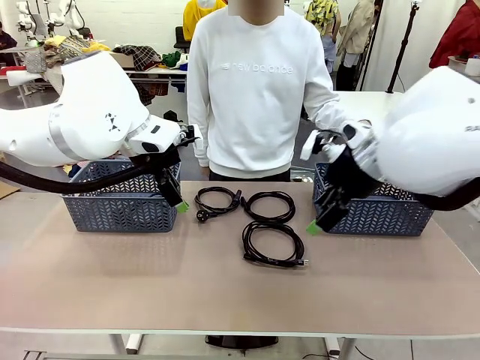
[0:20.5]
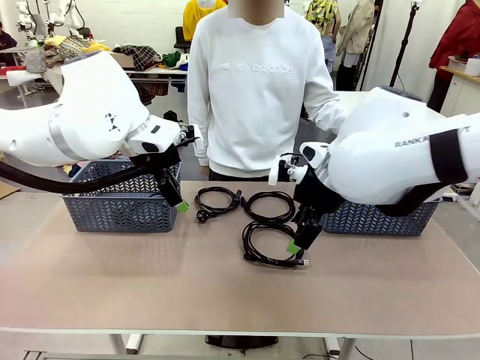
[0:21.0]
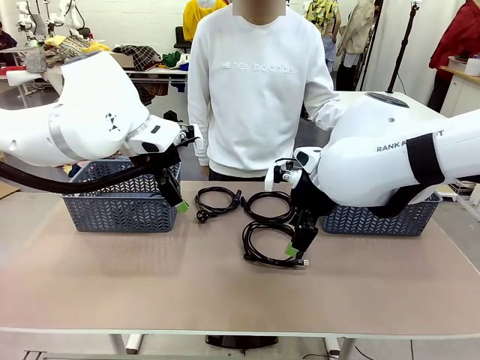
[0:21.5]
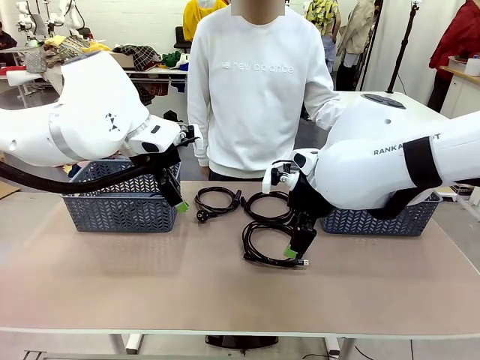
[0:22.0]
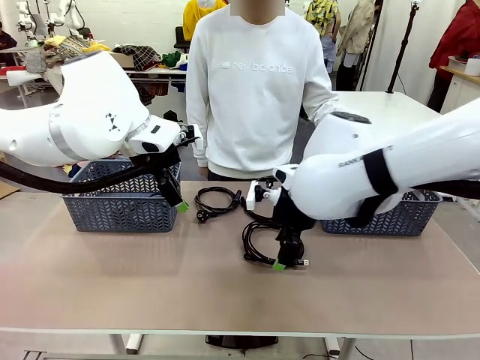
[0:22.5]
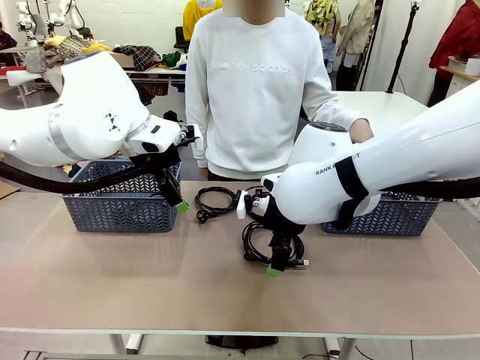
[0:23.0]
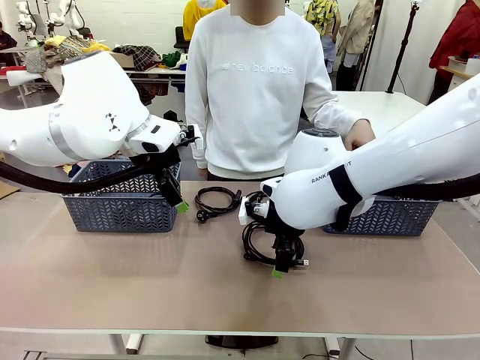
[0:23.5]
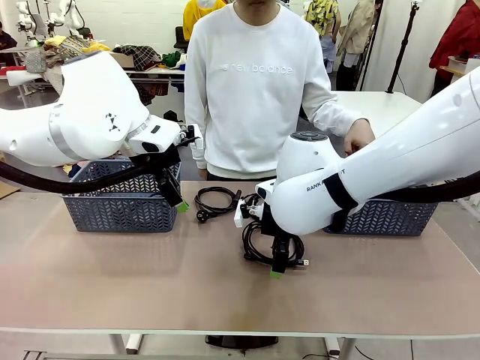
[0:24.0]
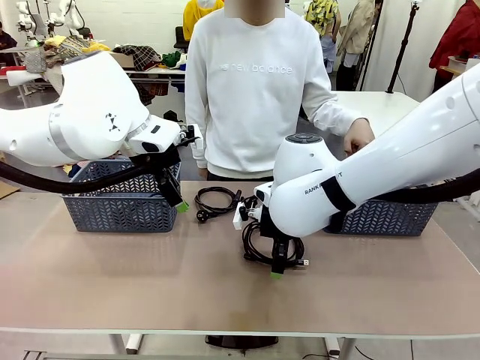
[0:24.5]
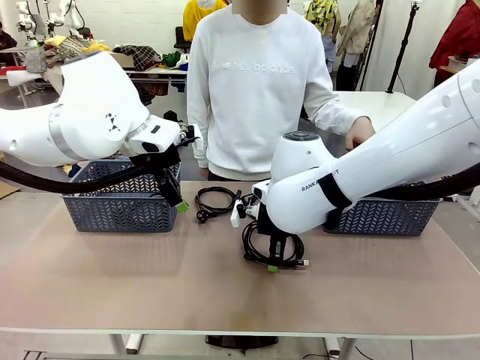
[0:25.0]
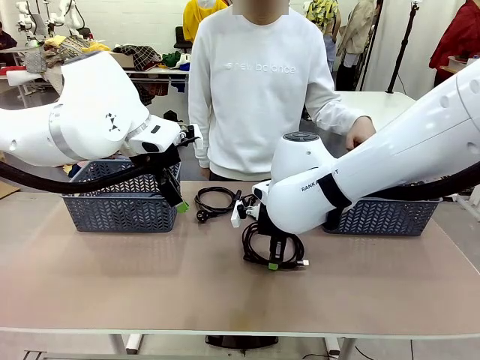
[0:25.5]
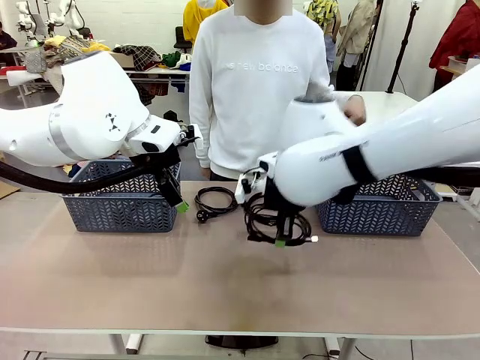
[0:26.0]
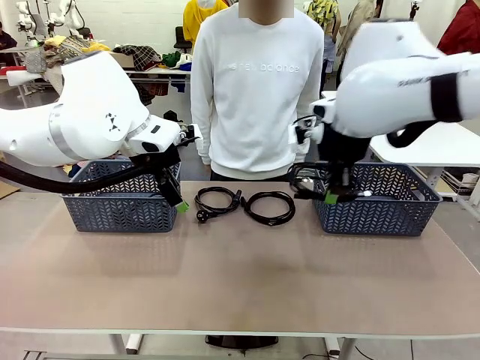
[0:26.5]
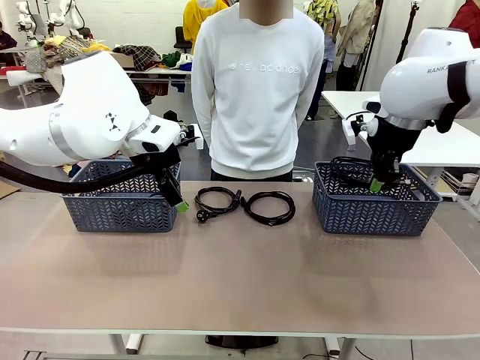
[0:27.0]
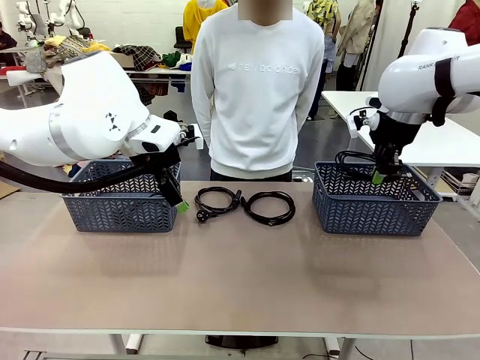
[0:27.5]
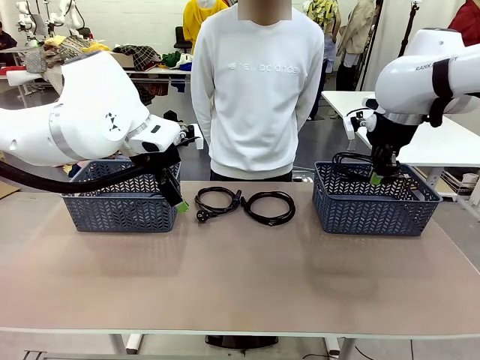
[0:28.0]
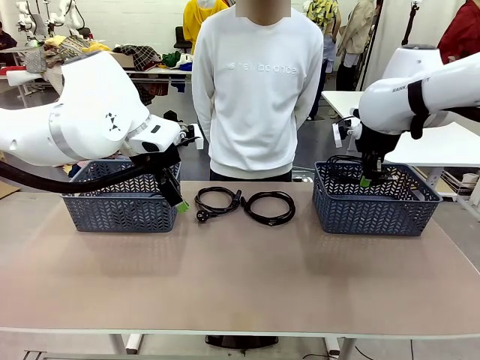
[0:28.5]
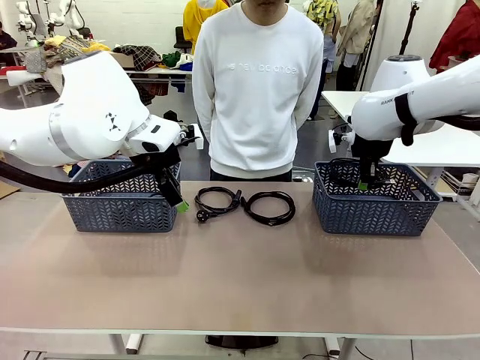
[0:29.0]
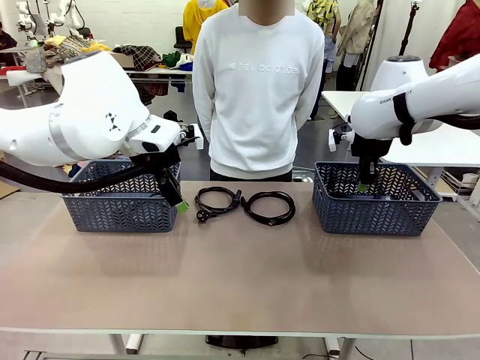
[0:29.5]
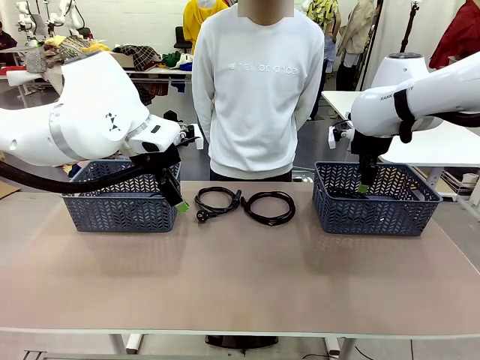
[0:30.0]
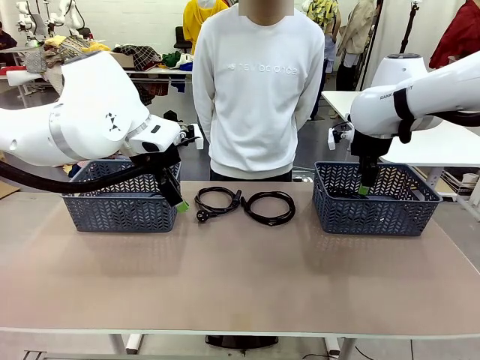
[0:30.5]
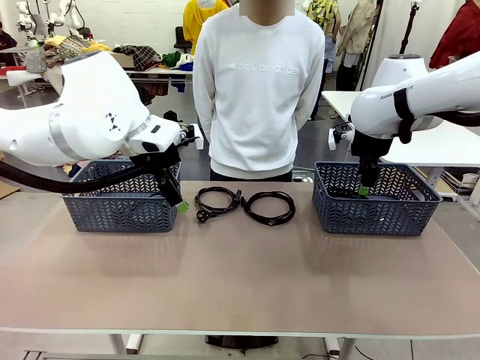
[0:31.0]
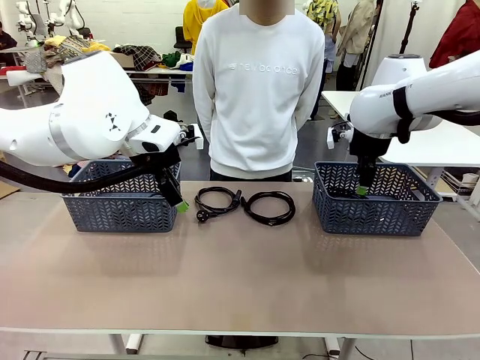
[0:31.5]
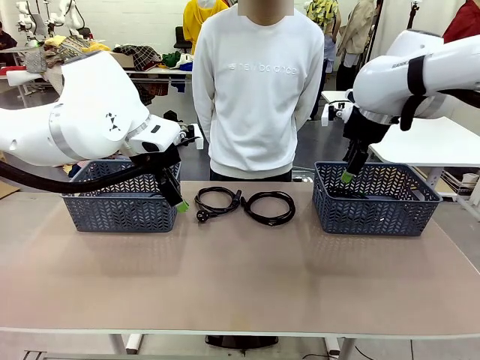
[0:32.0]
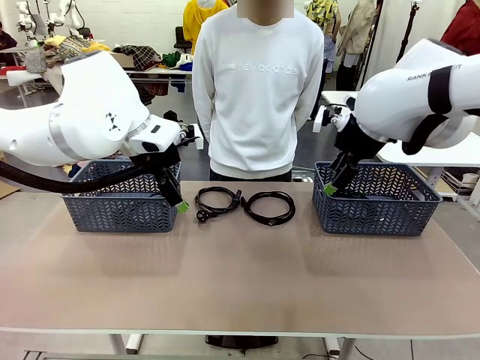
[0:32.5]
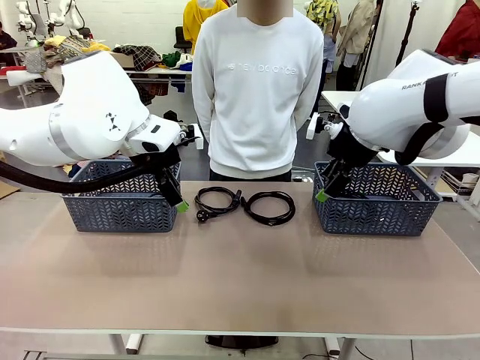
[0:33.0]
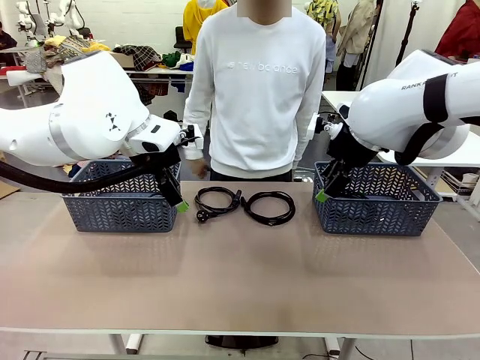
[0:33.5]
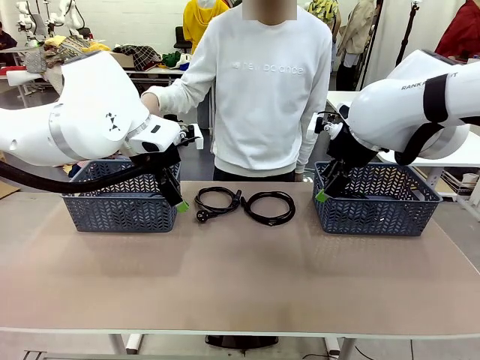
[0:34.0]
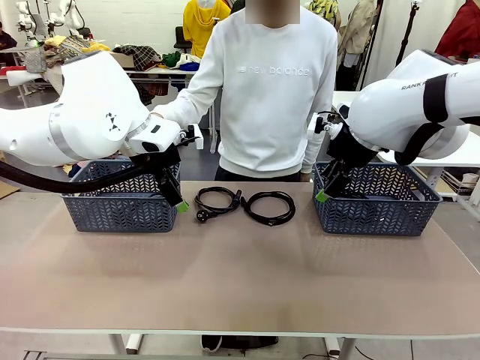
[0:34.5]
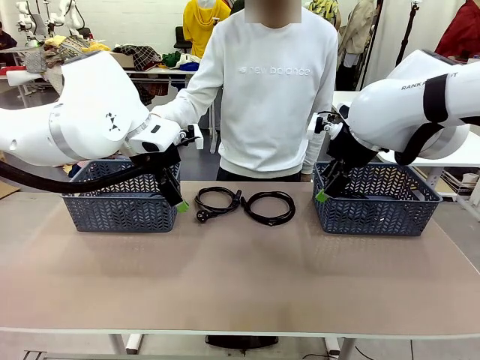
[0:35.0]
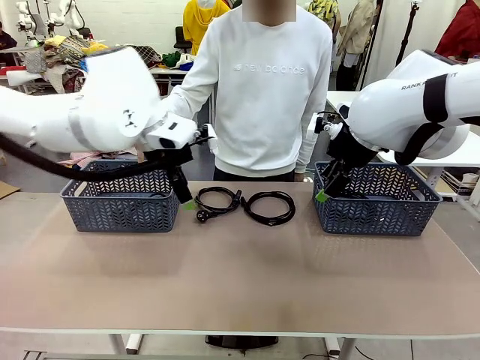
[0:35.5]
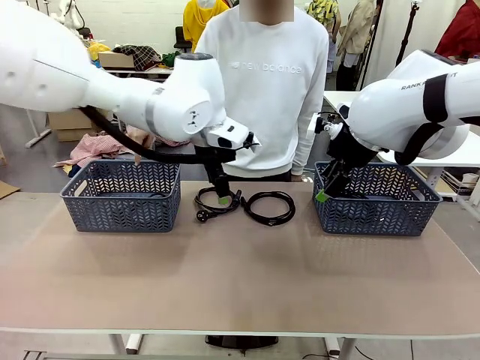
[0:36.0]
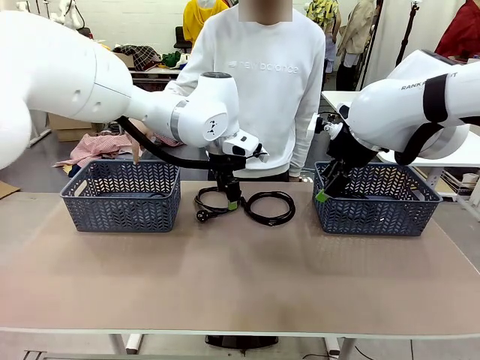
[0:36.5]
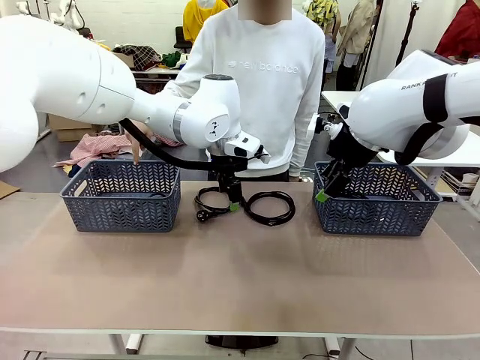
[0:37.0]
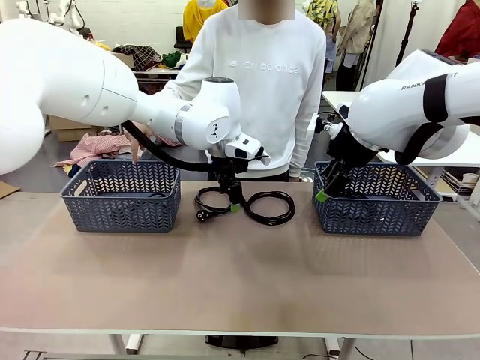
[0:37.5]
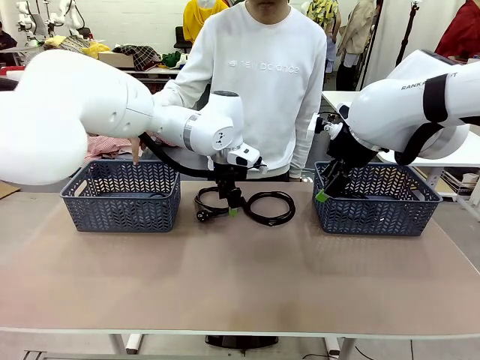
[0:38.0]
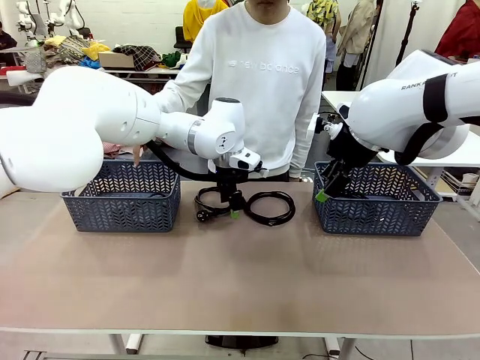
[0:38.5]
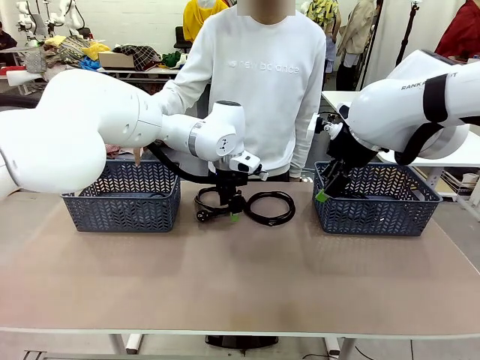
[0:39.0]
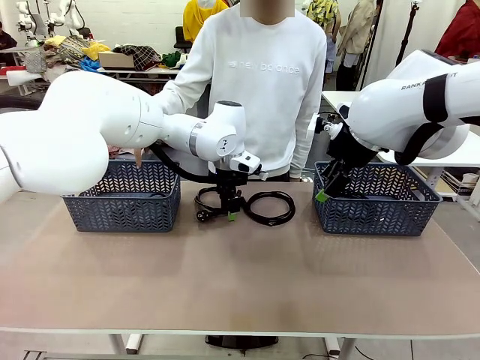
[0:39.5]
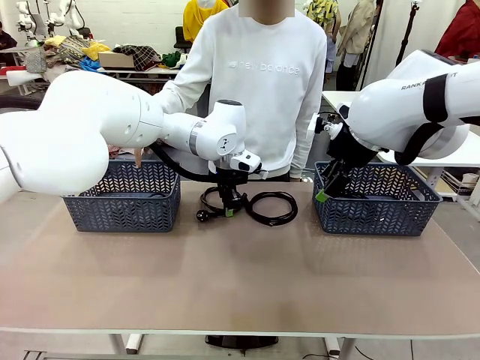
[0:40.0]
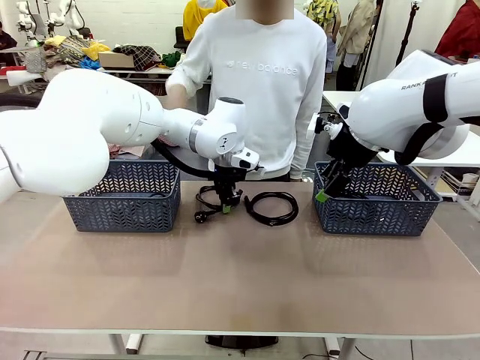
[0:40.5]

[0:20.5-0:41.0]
Task: Organize the cables according to human instructions.
Robot: Pick up a bundle of cables and place it in the basket indicated by the human.
